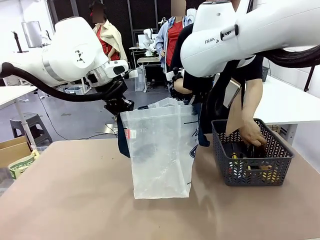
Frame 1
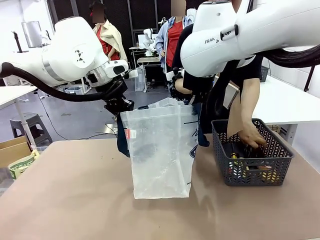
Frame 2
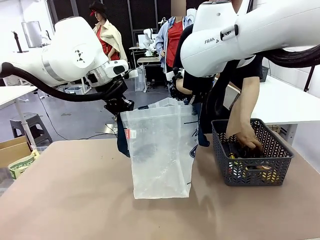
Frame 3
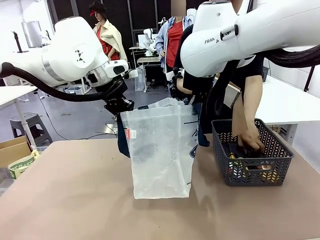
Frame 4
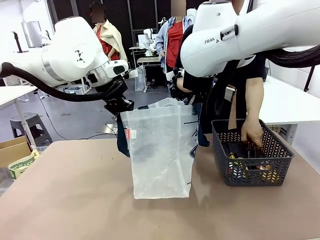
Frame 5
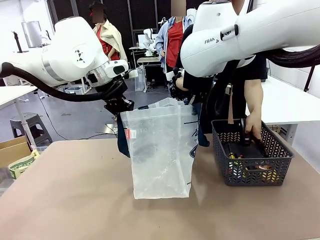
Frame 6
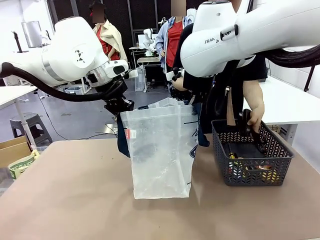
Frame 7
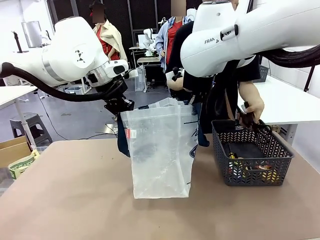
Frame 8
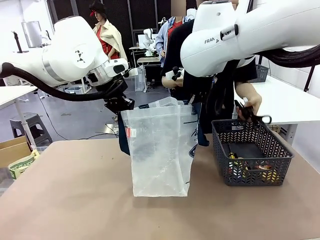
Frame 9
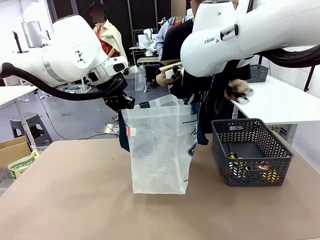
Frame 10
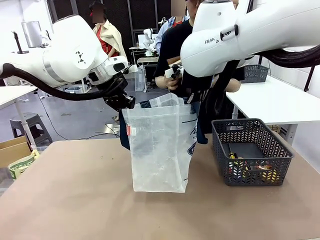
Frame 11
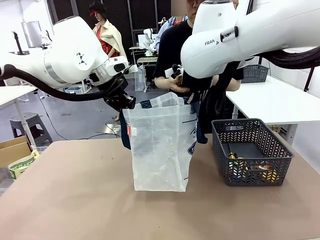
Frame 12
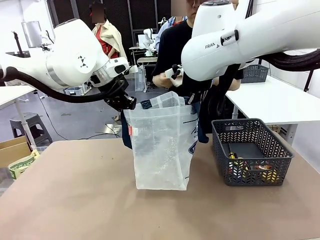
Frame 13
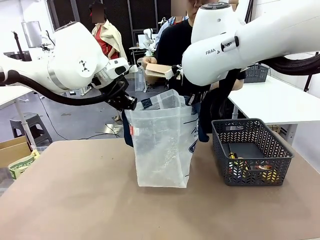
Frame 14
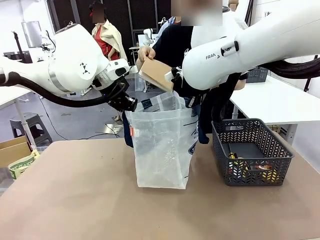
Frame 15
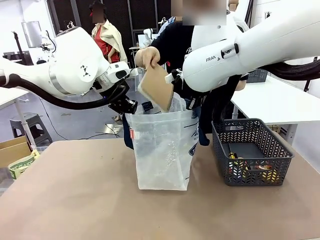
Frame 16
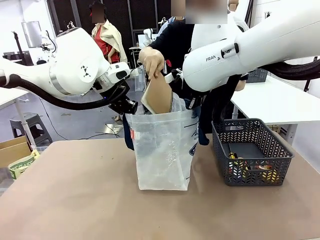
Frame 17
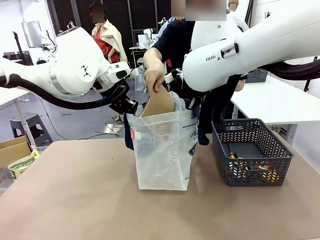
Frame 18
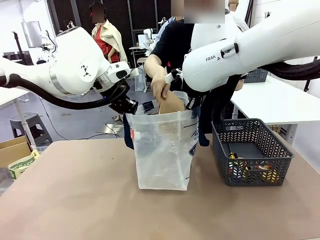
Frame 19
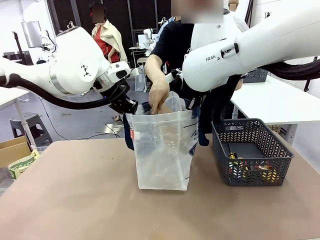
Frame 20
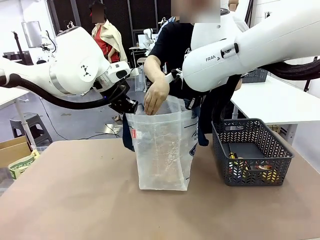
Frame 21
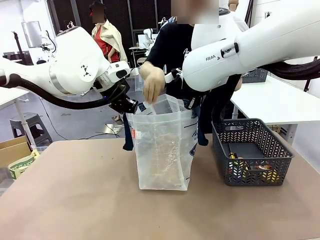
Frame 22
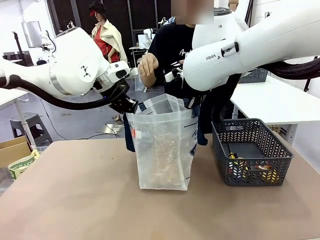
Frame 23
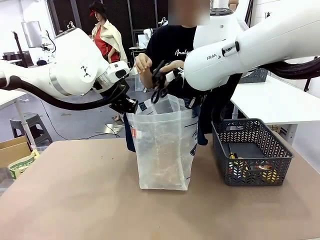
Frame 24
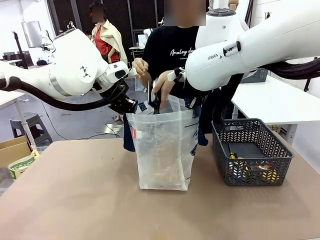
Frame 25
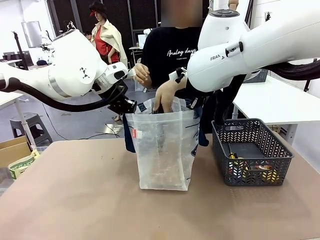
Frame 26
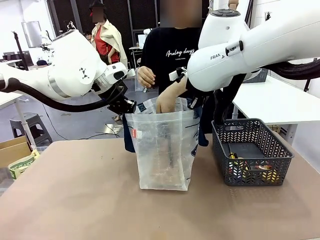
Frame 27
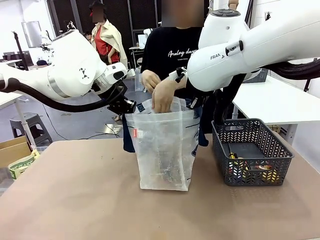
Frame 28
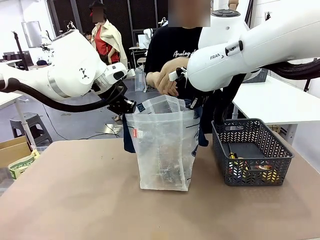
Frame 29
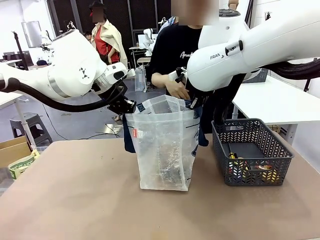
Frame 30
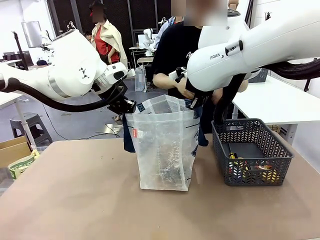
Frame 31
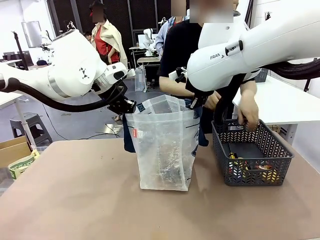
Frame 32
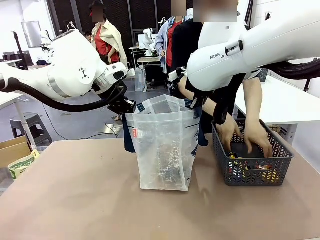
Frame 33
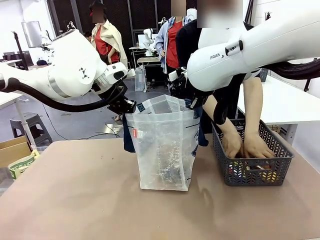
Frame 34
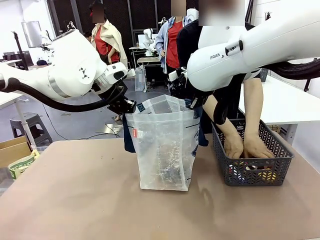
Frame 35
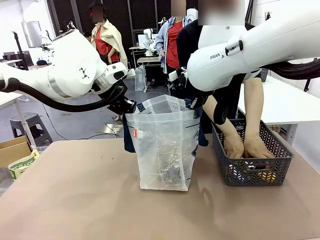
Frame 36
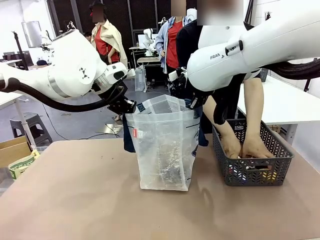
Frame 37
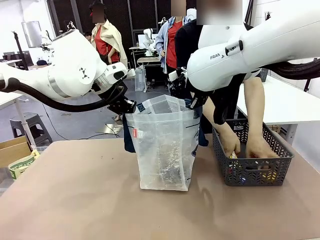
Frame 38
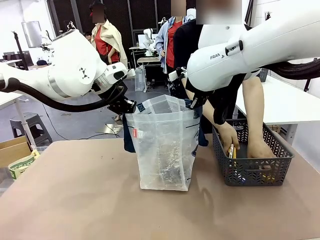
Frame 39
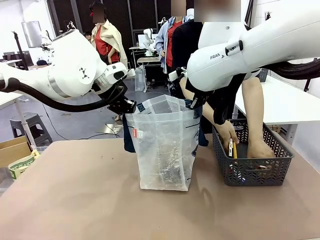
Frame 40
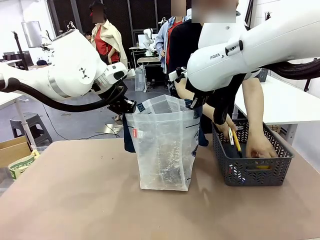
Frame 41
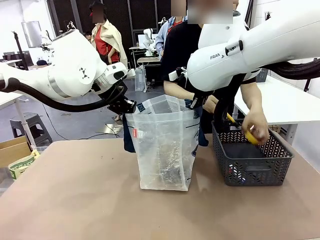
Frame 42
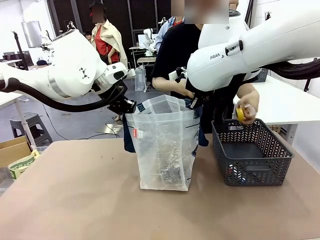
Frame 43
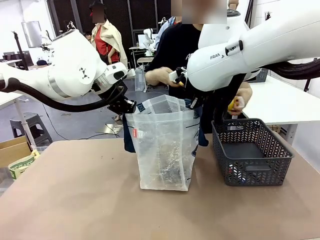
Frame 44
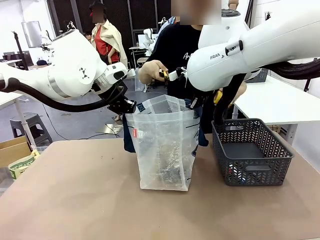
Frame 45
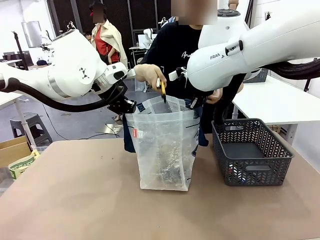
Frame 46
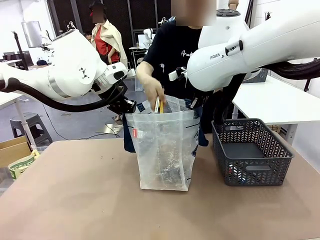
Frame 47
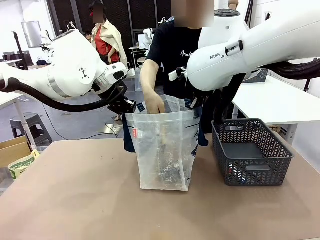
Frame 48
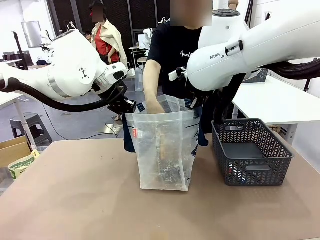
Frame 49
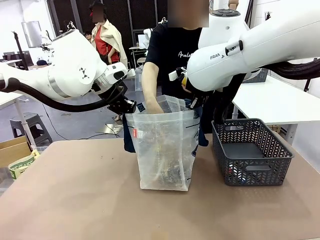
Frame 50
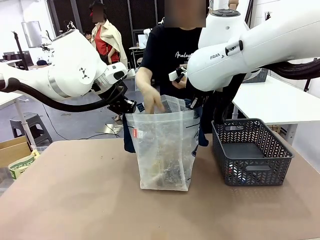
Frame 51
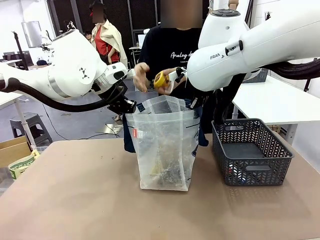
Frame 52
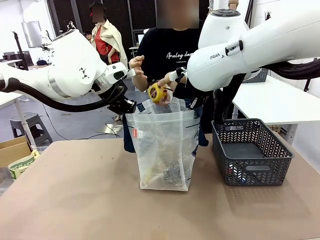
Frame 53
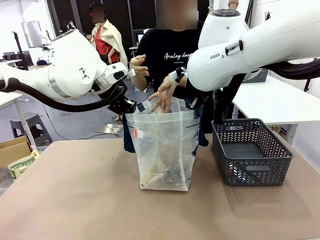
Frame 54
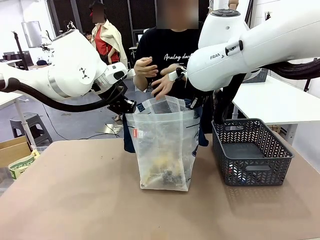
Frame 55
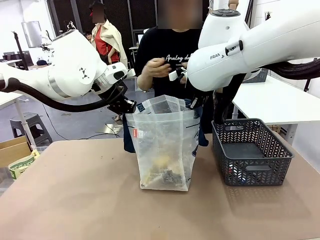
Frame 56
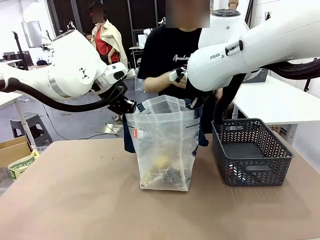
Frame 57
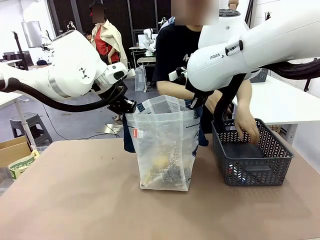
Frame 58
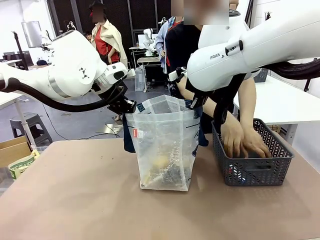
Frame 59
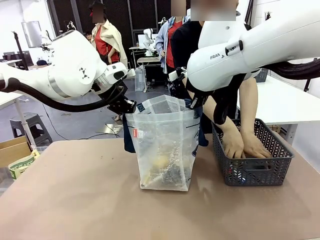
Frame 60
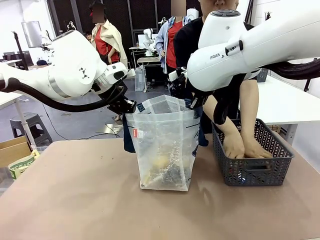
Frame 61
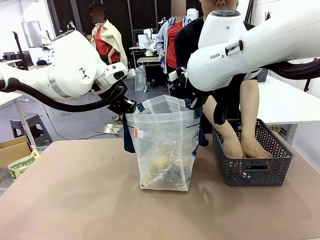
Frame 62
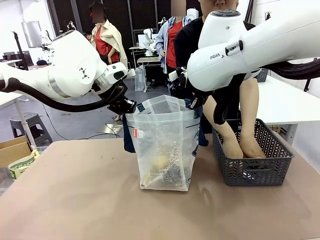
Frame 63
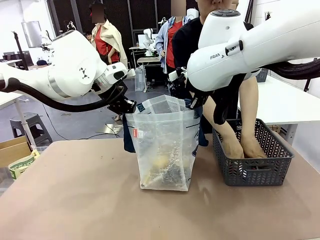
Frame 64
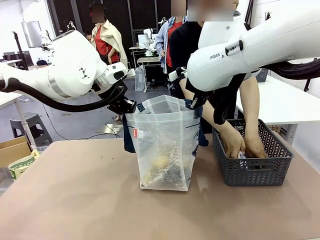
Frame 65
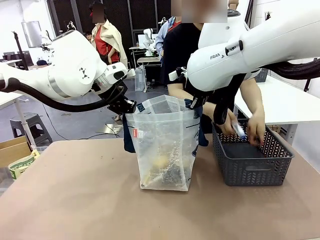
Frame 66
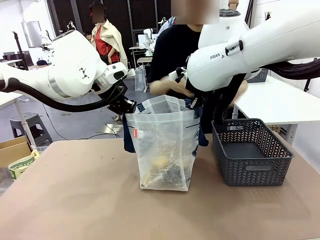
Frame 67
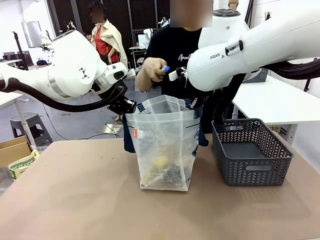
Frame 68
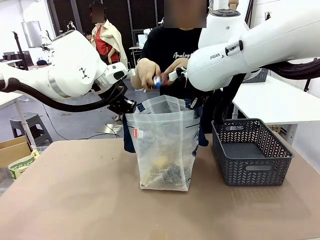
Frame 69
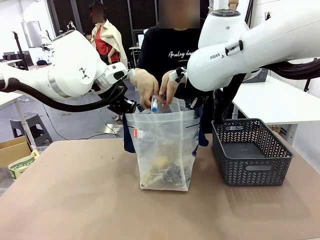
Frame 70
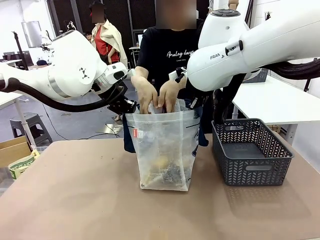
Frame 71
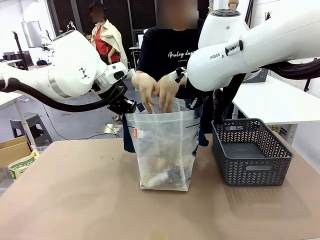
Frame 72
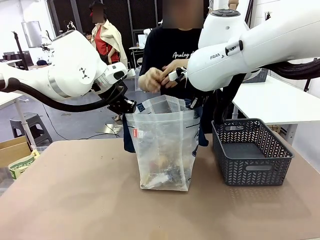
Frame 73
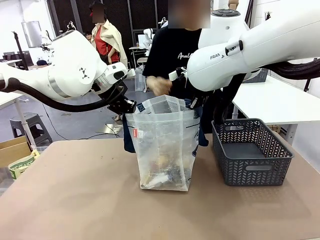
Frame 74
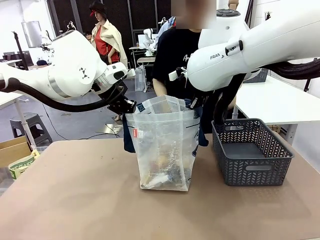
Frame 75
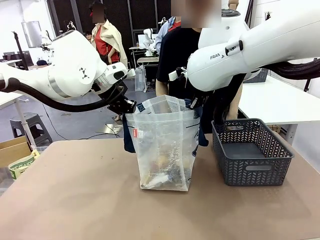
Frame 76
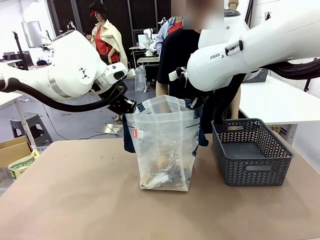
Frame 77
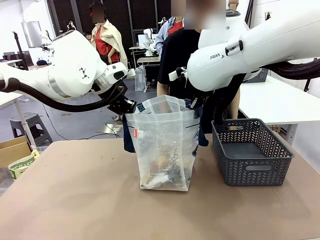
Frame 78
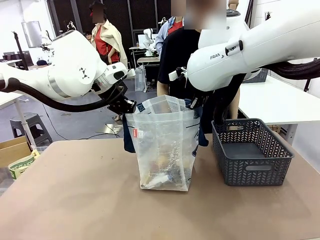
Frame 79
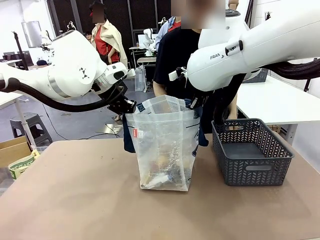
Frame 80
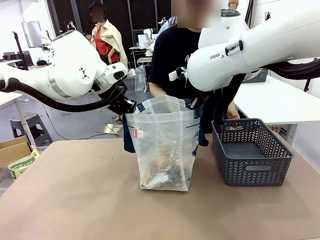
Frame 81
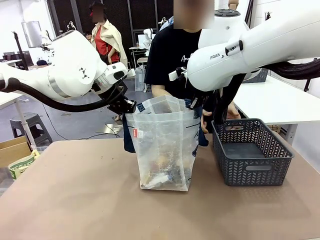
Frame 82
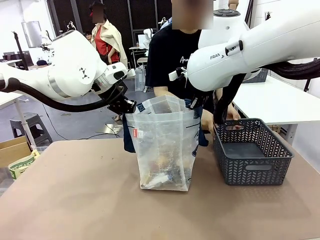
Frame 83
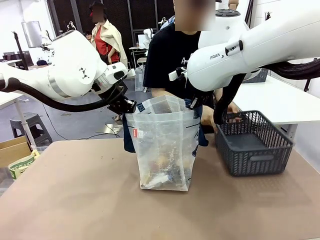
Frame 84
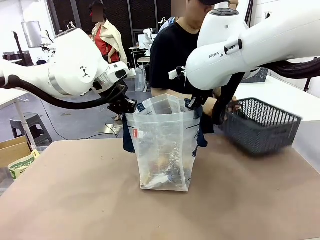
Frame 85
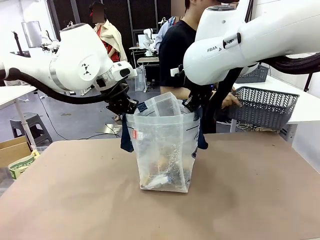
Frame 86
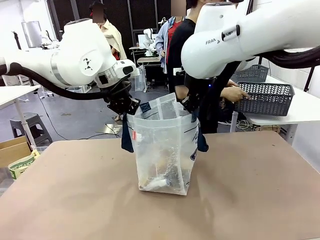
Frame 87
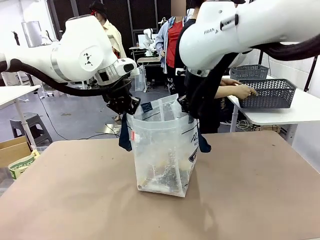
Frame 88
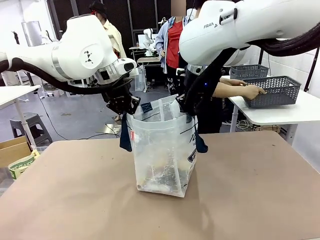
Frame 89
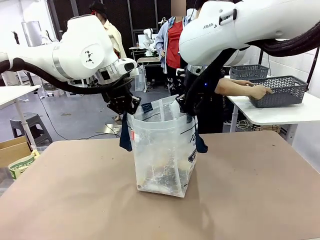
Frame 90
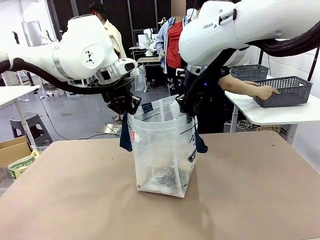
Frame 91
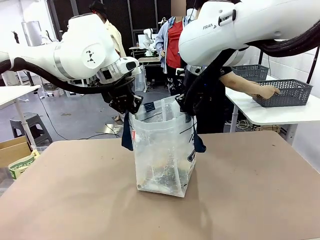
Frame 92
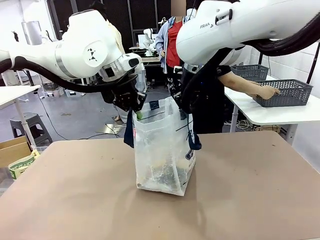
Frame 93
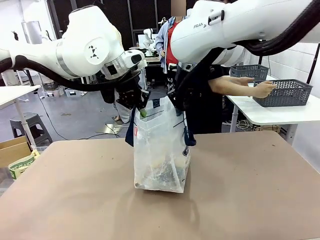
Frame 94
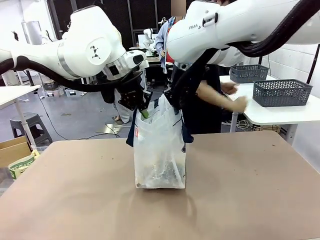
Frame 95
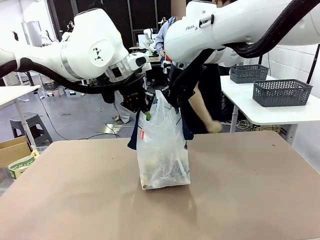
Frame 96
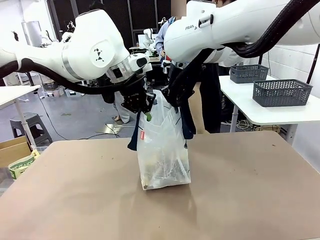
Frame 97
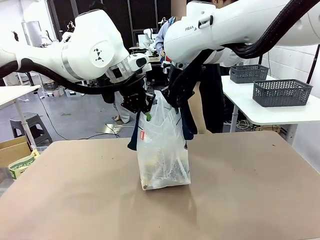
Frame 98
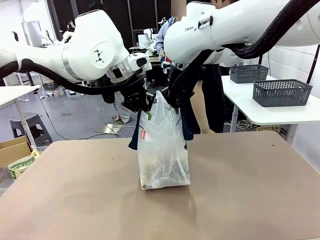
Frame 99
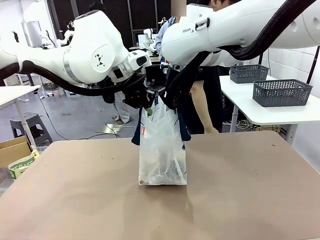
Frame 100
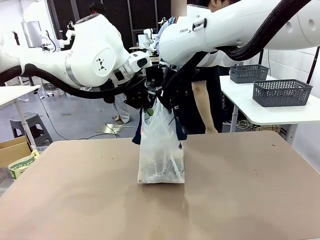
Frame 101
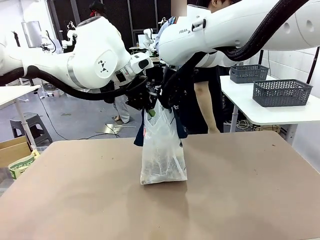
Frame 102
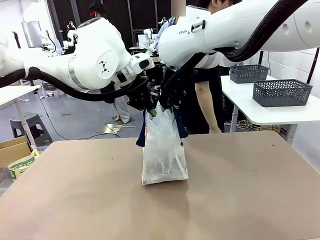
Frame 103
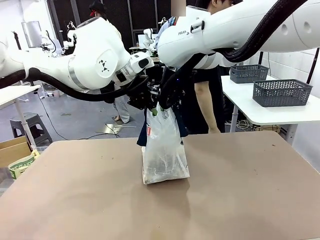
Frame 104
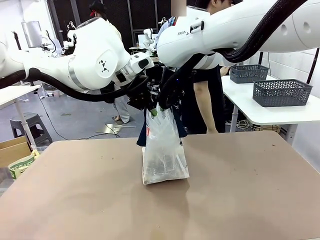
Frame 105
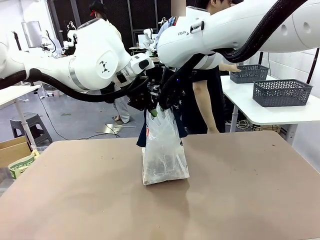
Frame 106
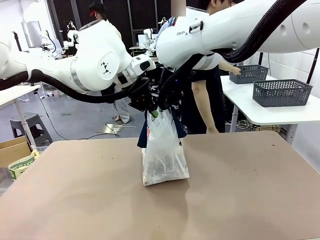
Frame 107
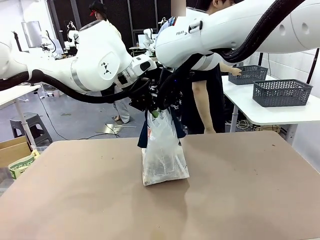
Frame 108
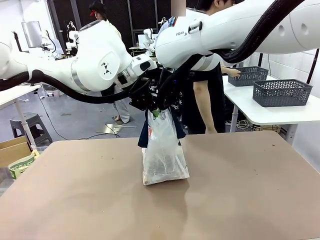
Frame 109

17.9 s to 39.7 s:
Task: Transfer purchased items from the store into the shopping bag.
Robot: Move the Reusable shopping bag to the right side of the table.
Person: Pick up the basket on the right, place it on the left side of the robot table, and move the items in the basket to the shopping bag. Pick up the basket with the items out and place it on the right side of the human table.
